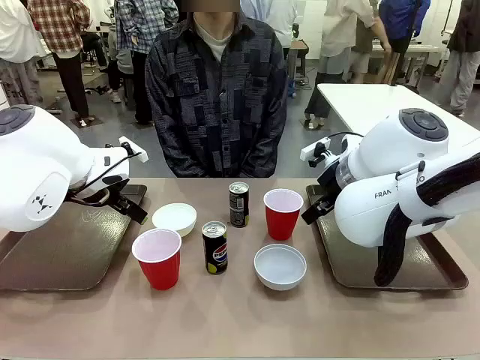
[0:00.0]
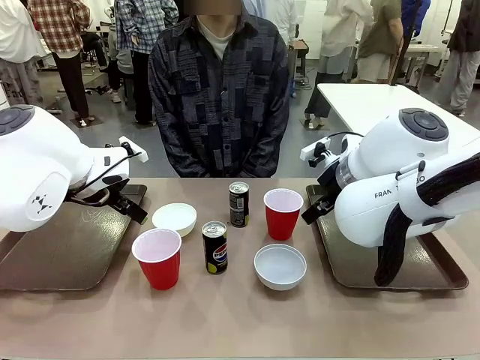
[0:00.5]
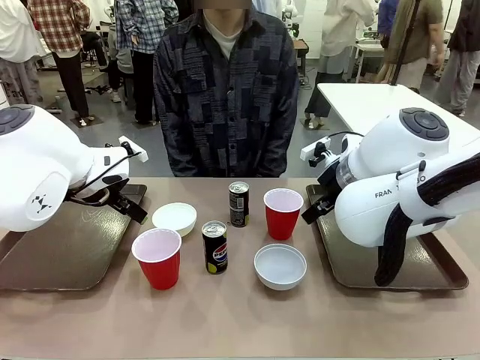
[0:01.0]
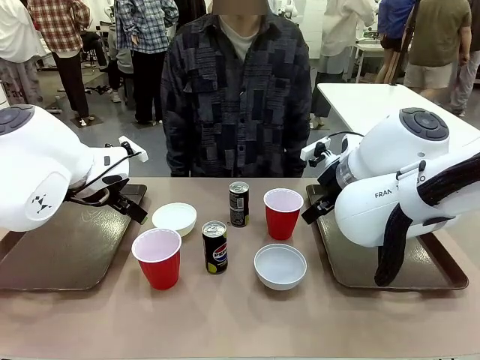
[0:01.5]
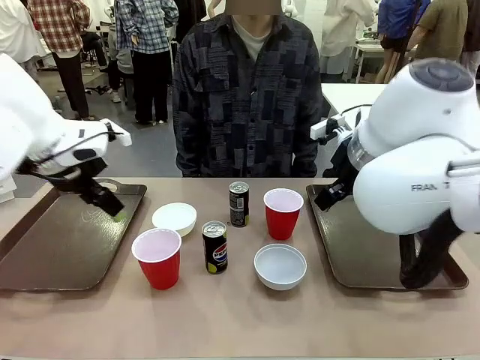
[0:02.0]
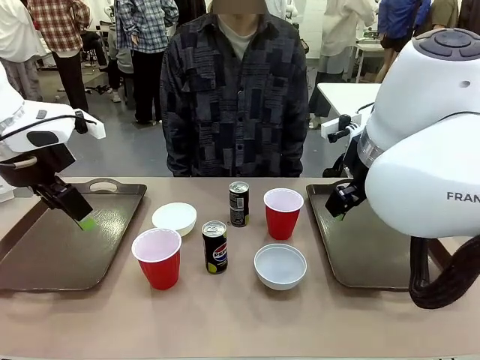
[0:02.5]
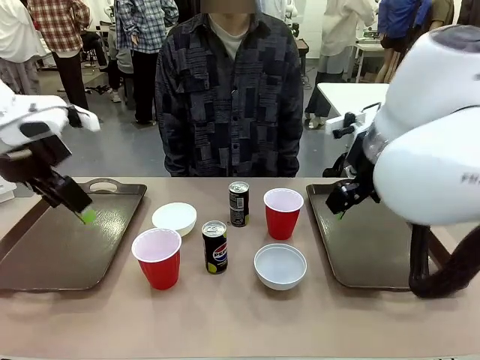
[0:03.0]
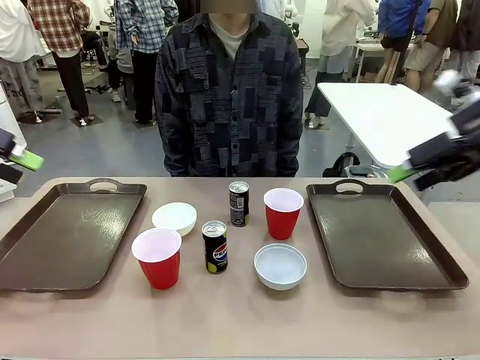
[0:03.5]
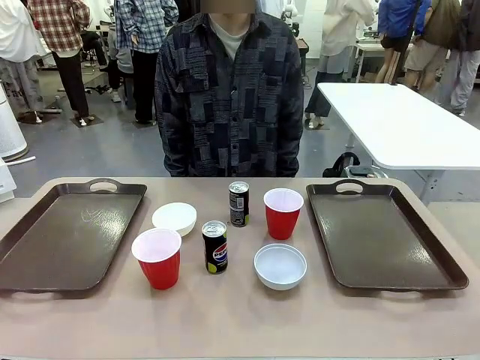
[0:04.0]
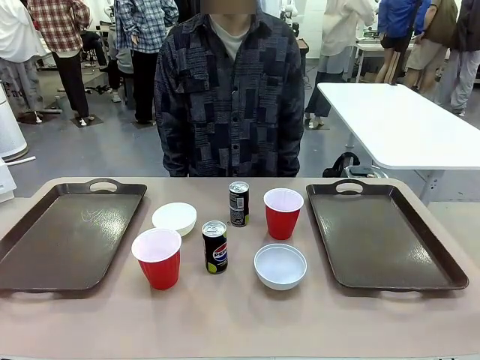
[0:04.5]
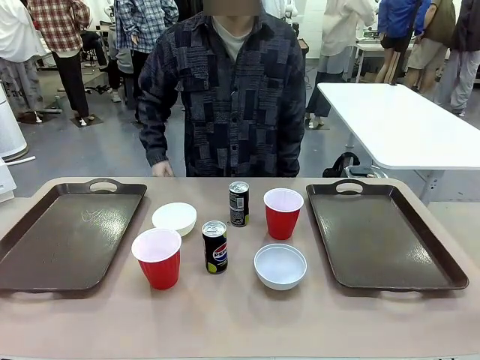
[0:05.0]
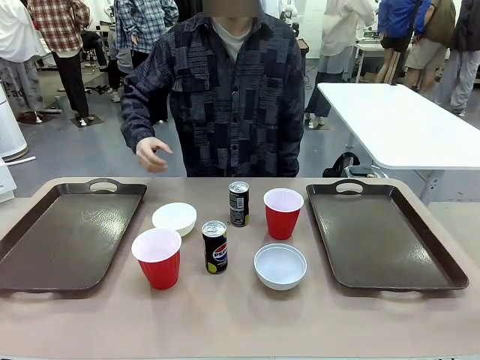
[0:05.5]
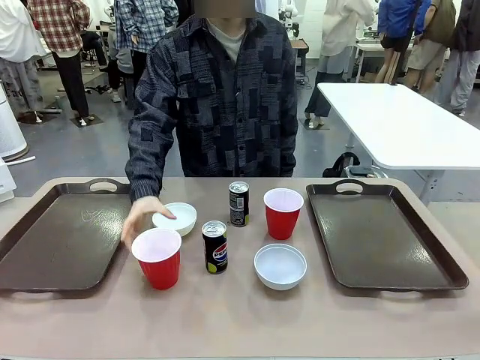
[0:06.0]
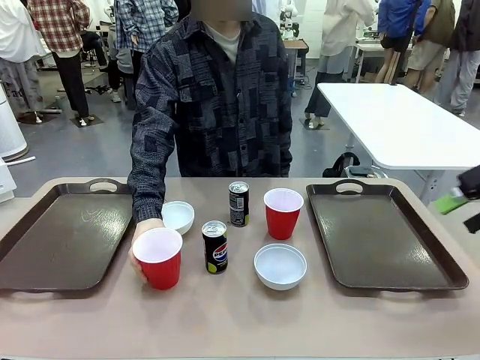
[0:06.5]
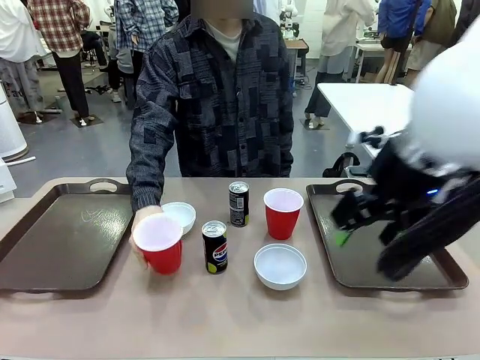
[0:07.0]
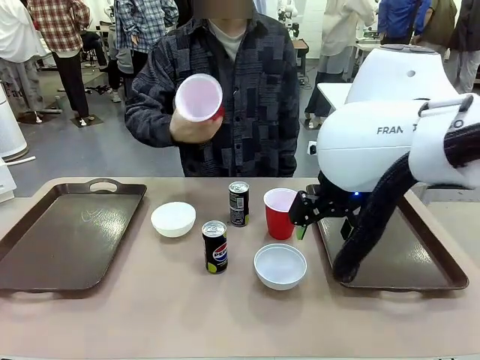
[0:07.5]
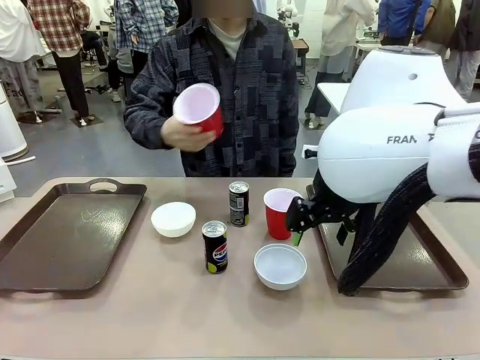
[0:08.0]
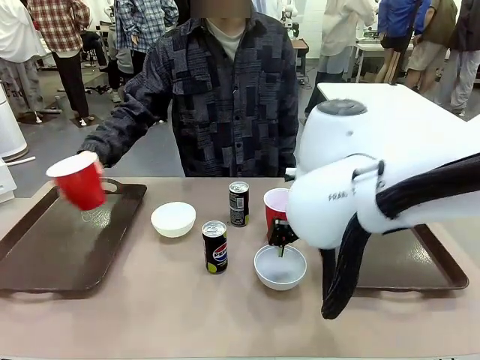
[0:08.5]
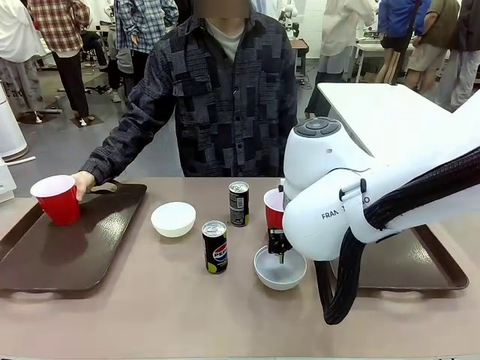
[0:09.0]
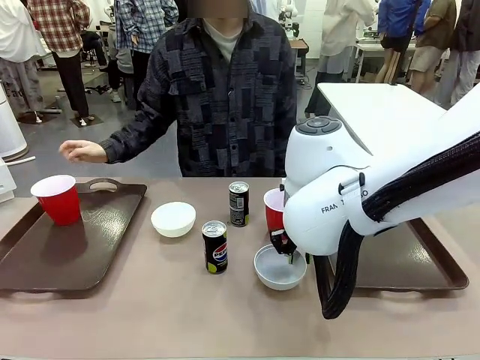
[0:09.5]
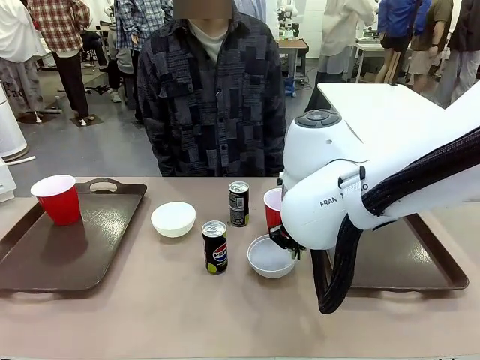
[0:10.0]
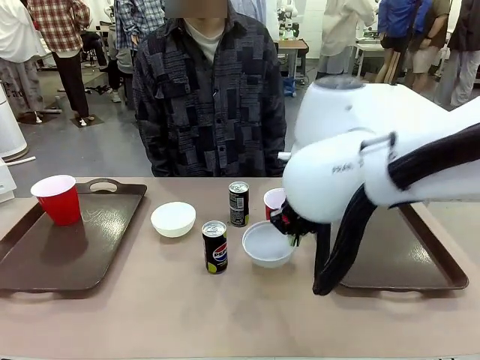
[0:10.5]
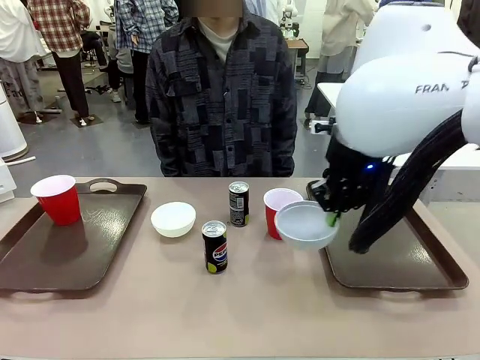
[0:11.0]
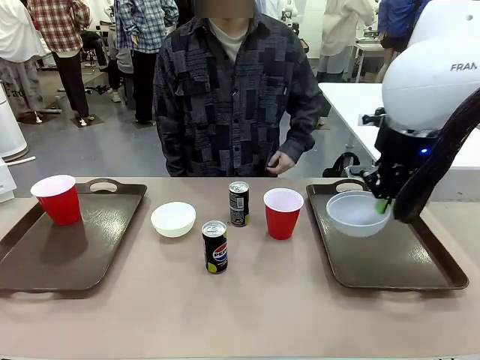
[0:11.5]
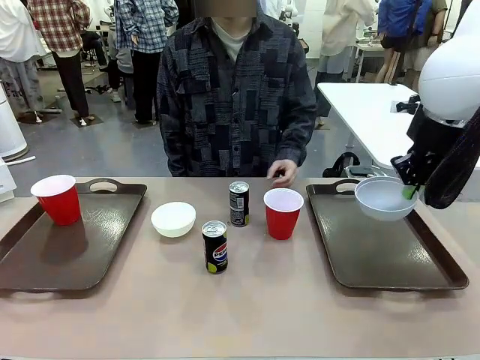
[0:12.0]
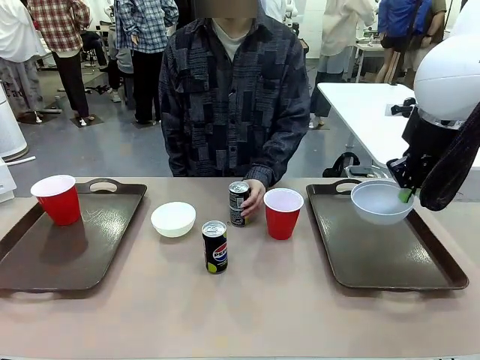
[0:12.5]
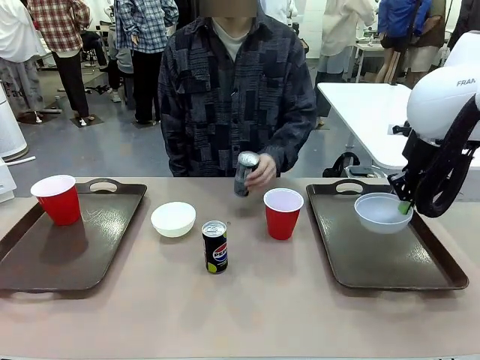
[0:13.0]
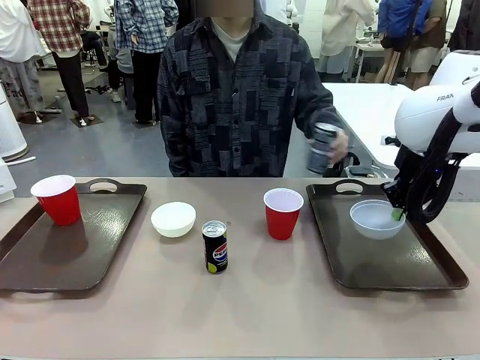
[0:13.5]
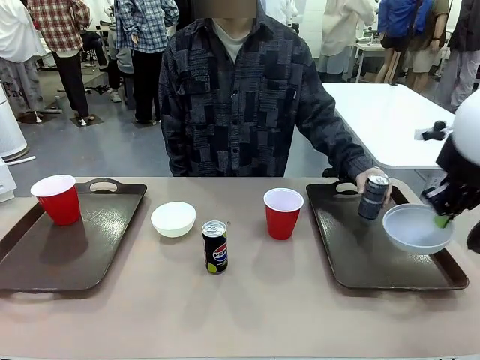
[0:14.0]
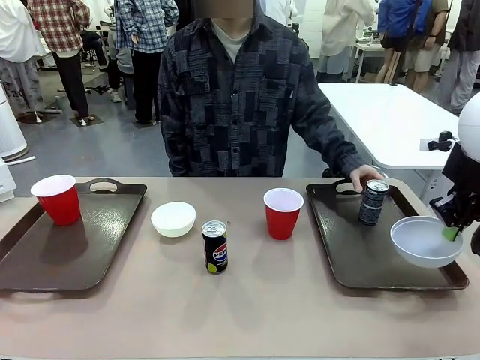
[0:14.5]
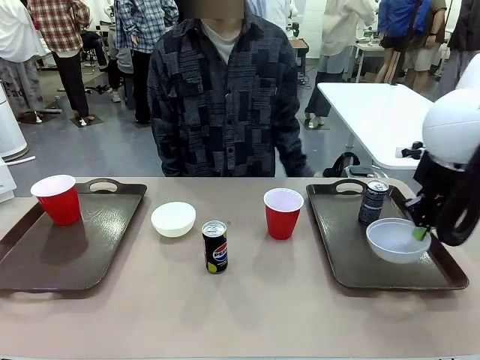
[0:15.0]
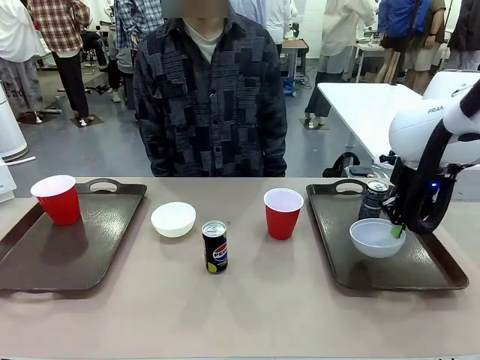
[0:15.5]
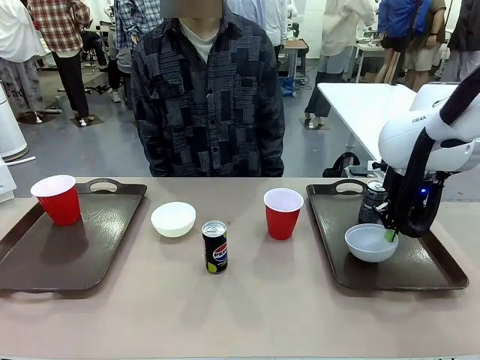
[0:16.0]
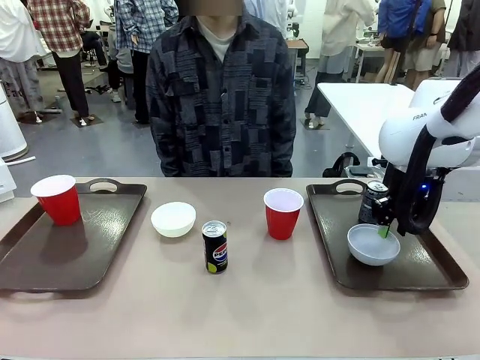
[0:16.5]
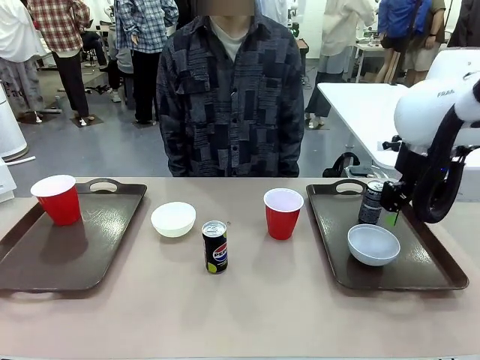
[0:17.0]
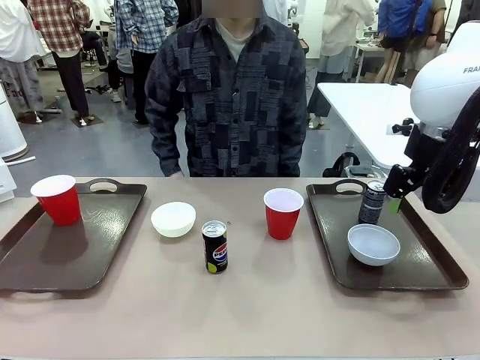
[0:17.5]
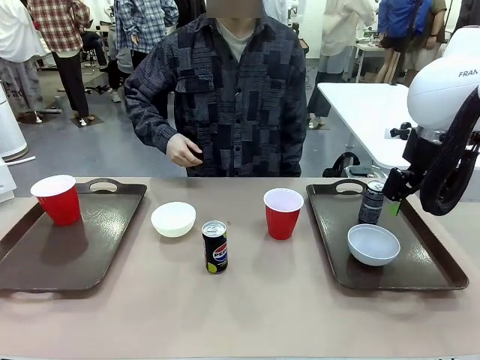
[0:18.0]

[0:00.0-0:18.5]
Task: Prepare tableware on both trays.
Robot: Pick up a Picnic Bowl from the table and place it on a Handle tray.
Person: Pick up a can or cup and place it on the tray.
